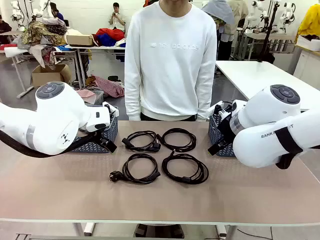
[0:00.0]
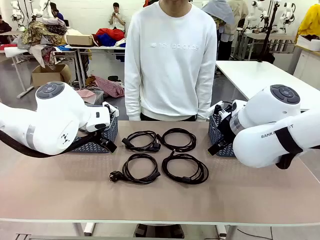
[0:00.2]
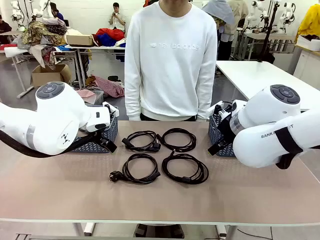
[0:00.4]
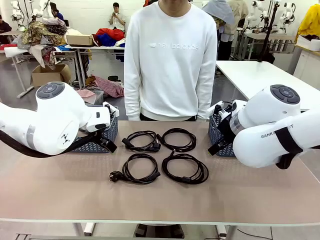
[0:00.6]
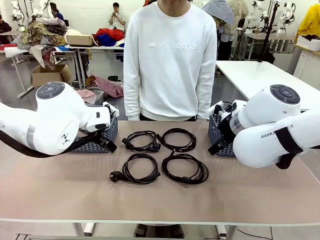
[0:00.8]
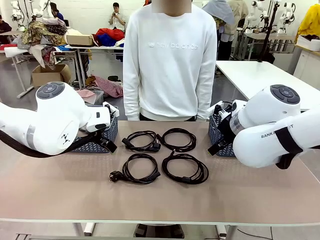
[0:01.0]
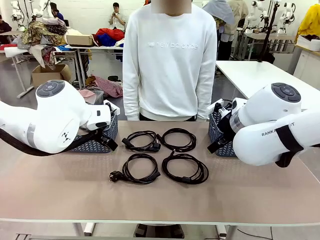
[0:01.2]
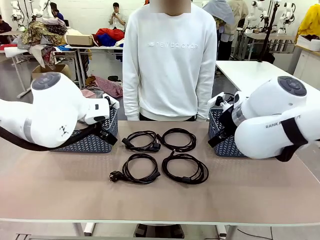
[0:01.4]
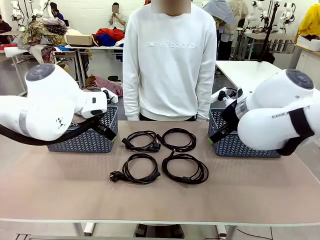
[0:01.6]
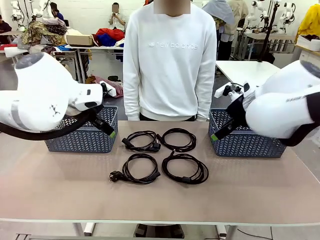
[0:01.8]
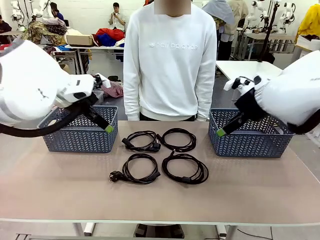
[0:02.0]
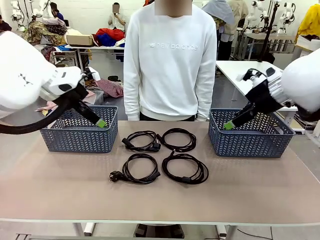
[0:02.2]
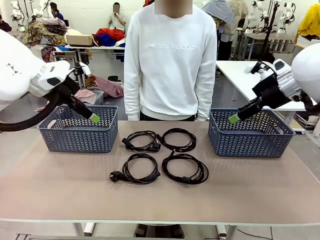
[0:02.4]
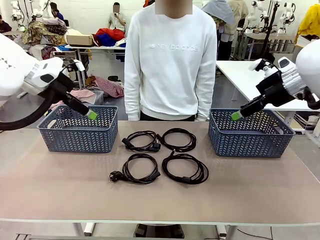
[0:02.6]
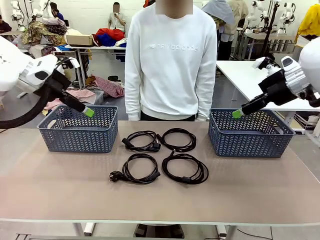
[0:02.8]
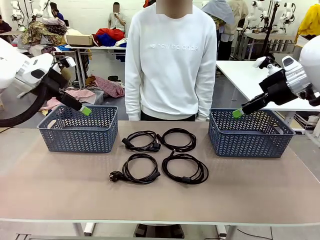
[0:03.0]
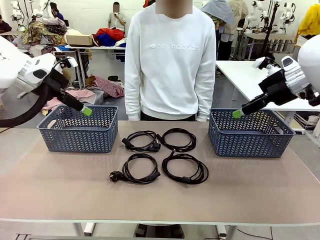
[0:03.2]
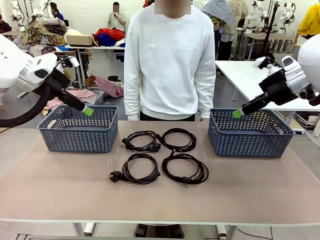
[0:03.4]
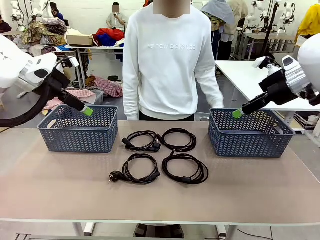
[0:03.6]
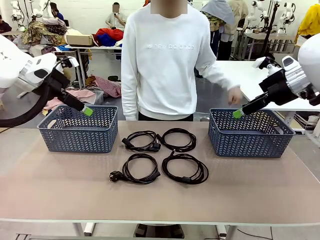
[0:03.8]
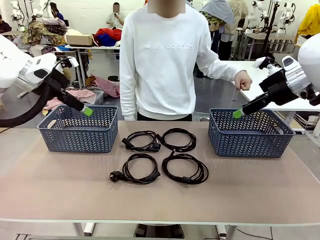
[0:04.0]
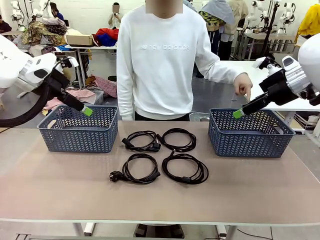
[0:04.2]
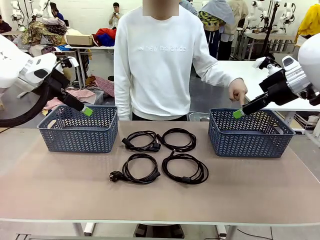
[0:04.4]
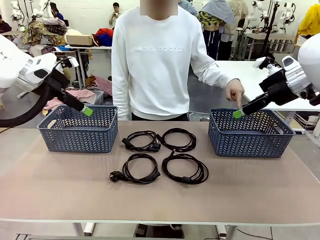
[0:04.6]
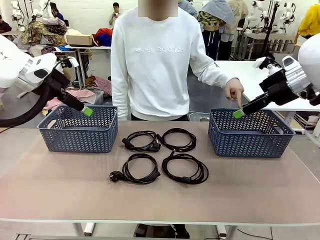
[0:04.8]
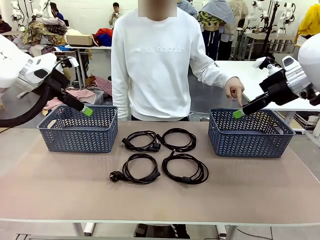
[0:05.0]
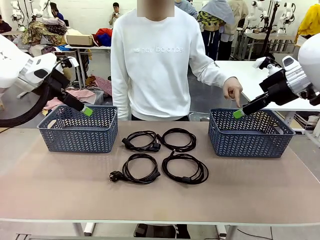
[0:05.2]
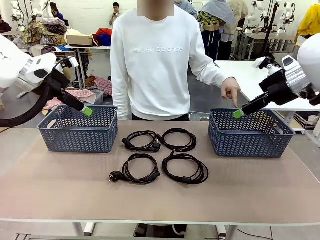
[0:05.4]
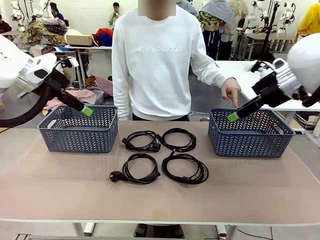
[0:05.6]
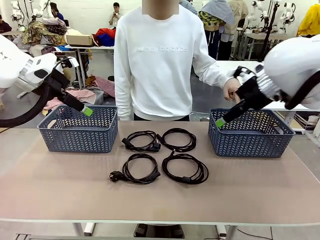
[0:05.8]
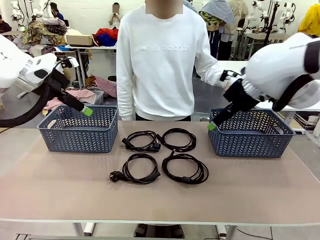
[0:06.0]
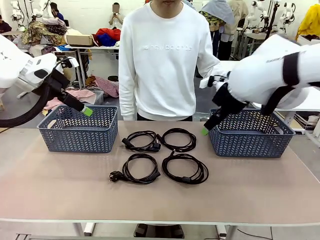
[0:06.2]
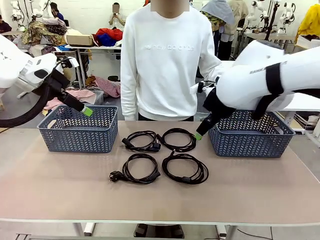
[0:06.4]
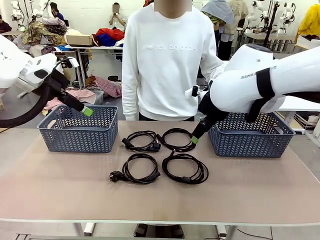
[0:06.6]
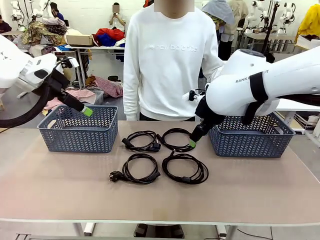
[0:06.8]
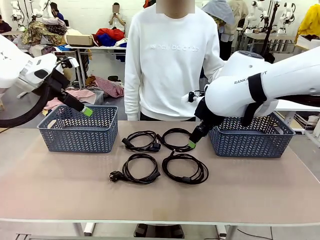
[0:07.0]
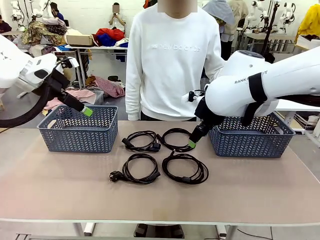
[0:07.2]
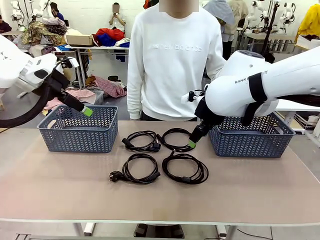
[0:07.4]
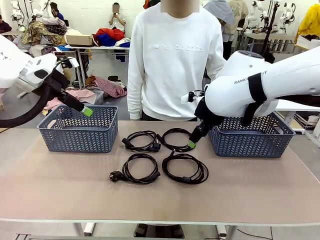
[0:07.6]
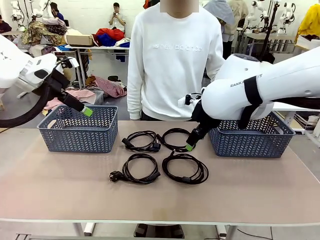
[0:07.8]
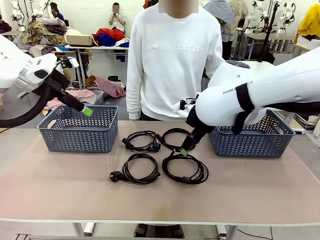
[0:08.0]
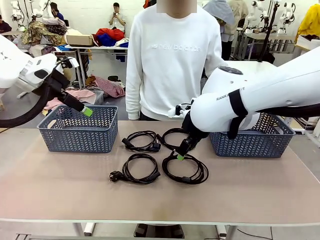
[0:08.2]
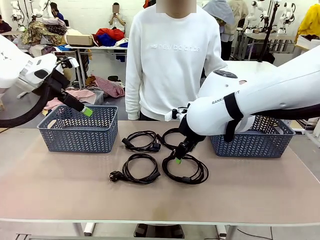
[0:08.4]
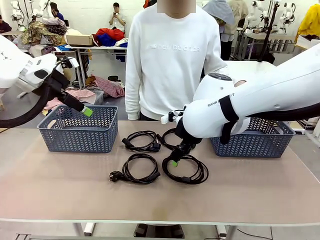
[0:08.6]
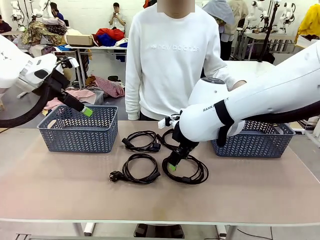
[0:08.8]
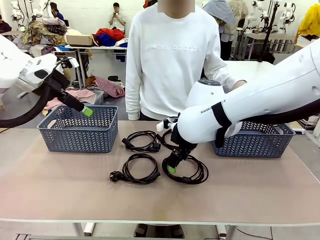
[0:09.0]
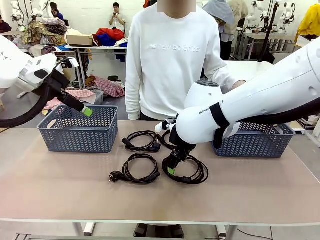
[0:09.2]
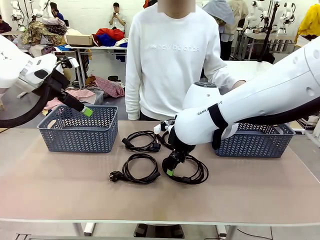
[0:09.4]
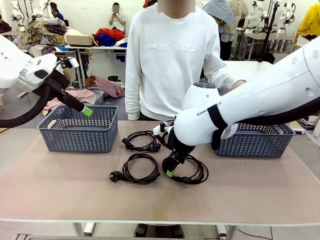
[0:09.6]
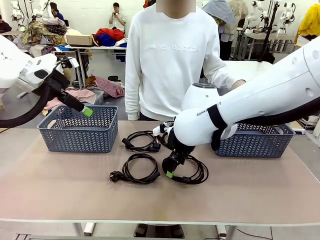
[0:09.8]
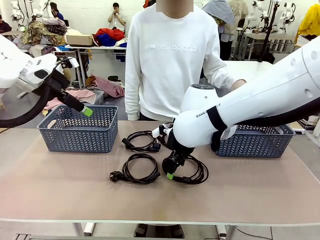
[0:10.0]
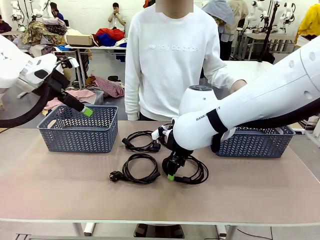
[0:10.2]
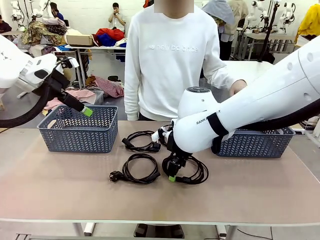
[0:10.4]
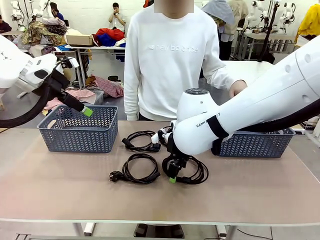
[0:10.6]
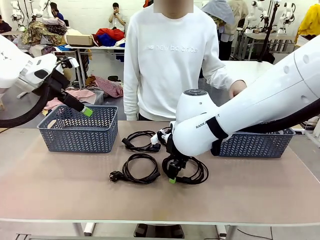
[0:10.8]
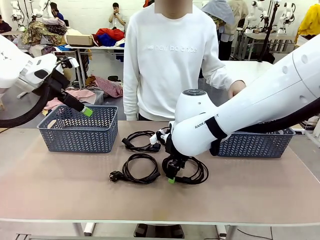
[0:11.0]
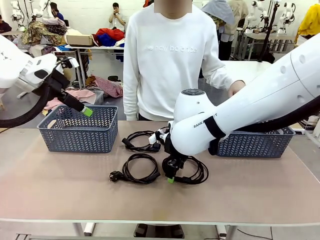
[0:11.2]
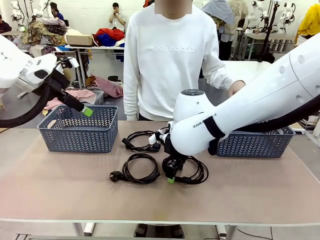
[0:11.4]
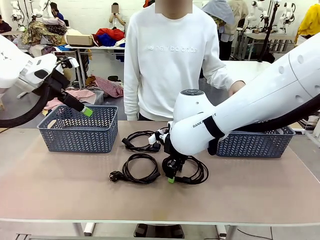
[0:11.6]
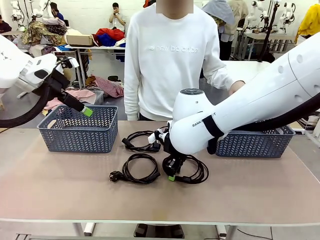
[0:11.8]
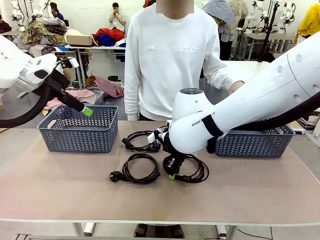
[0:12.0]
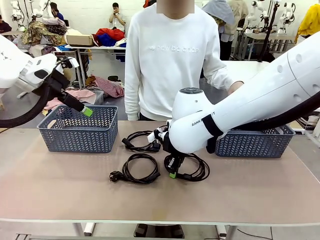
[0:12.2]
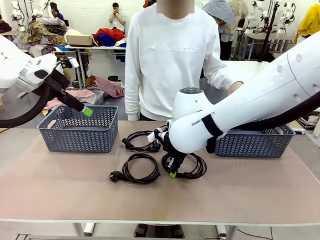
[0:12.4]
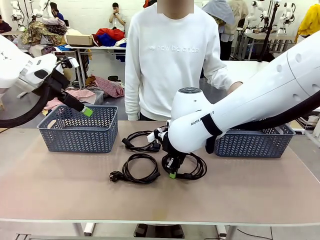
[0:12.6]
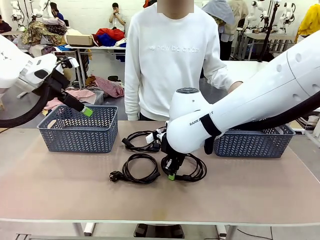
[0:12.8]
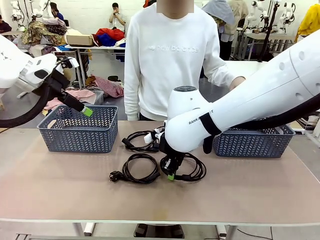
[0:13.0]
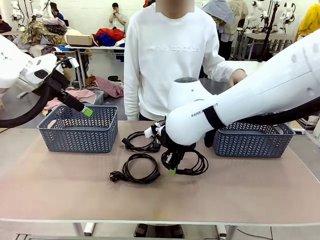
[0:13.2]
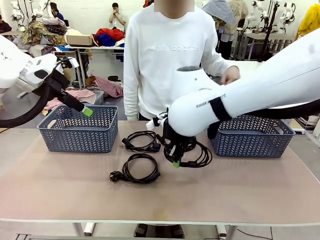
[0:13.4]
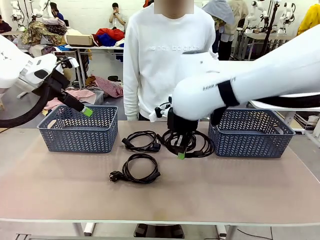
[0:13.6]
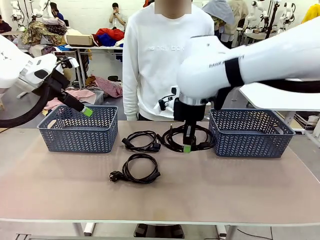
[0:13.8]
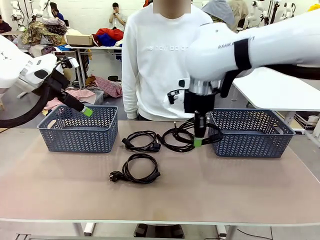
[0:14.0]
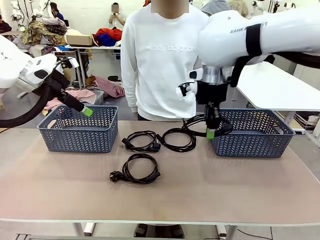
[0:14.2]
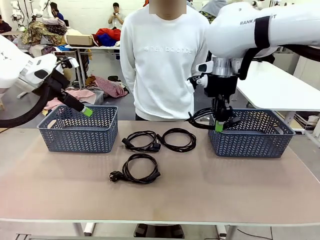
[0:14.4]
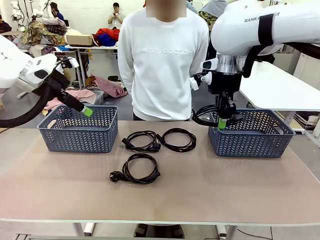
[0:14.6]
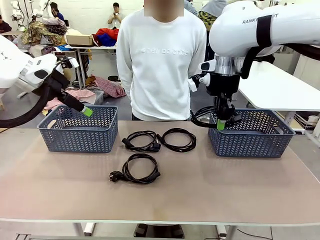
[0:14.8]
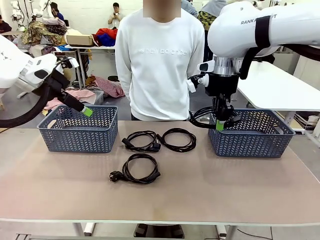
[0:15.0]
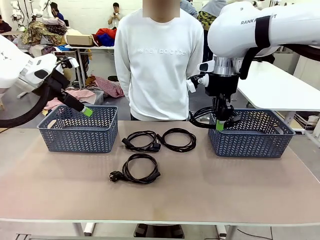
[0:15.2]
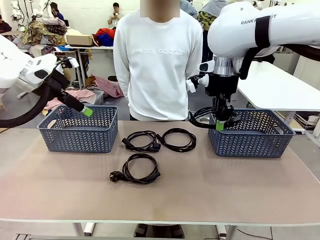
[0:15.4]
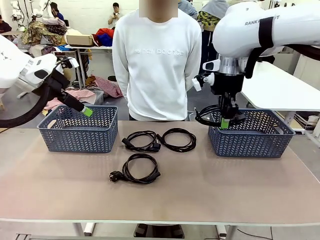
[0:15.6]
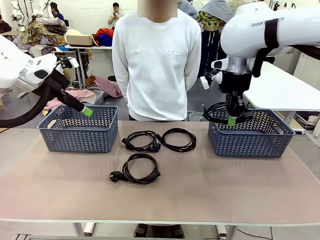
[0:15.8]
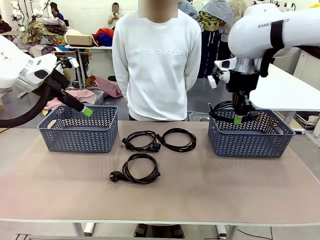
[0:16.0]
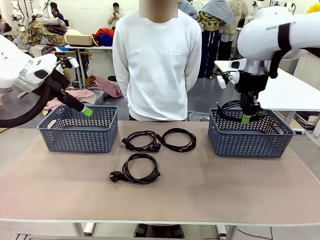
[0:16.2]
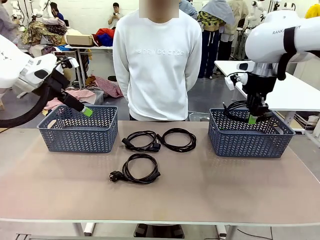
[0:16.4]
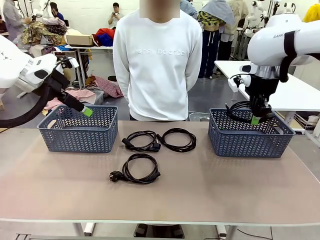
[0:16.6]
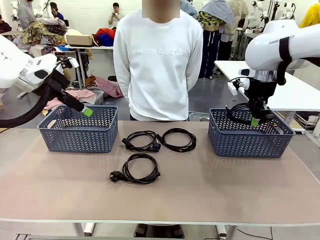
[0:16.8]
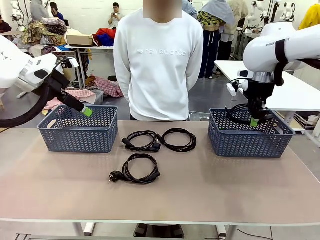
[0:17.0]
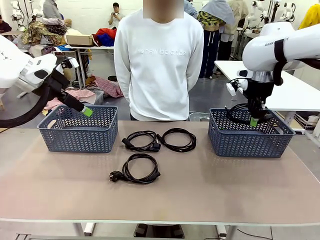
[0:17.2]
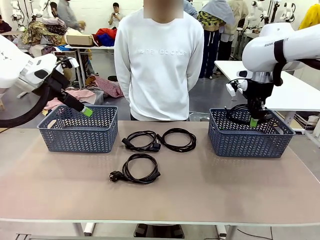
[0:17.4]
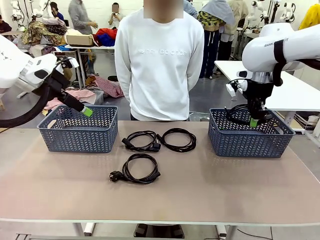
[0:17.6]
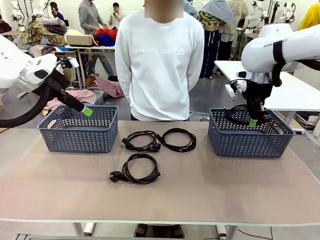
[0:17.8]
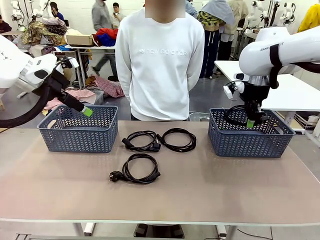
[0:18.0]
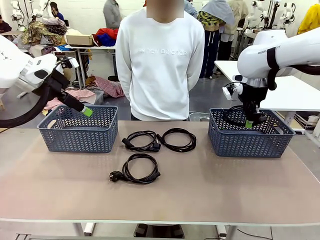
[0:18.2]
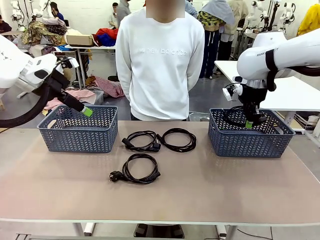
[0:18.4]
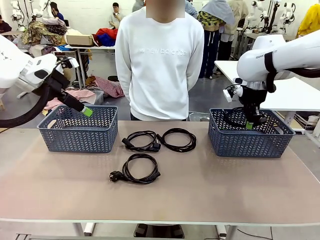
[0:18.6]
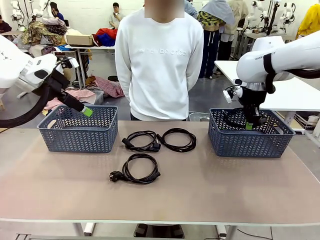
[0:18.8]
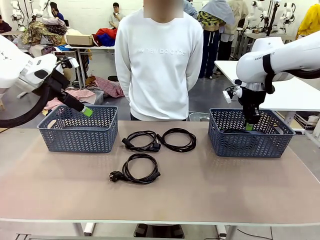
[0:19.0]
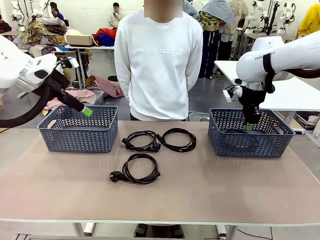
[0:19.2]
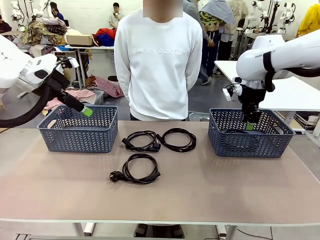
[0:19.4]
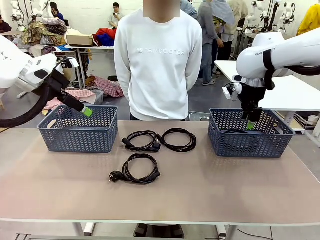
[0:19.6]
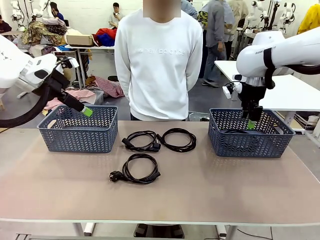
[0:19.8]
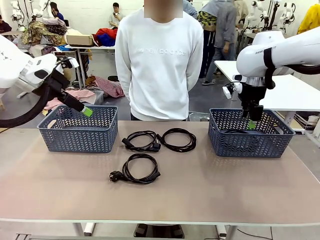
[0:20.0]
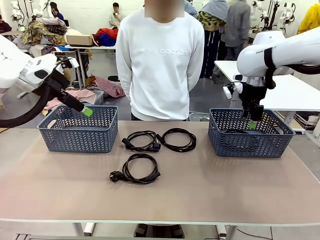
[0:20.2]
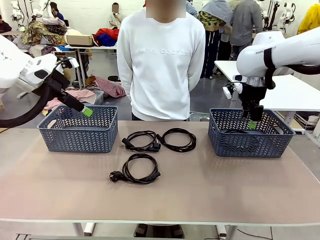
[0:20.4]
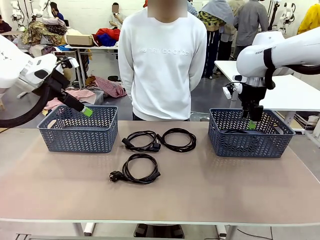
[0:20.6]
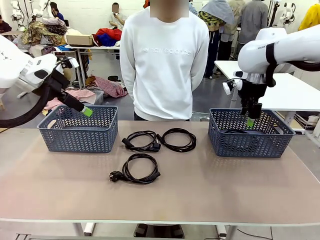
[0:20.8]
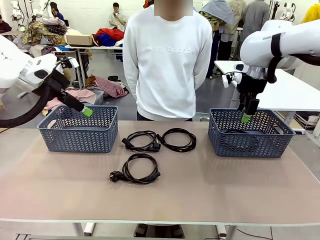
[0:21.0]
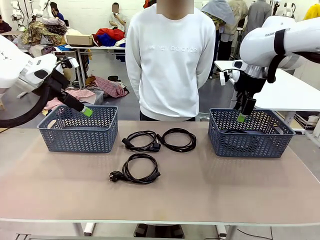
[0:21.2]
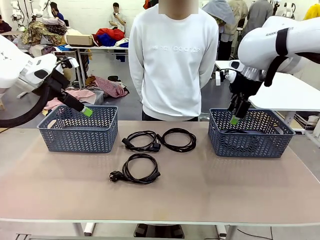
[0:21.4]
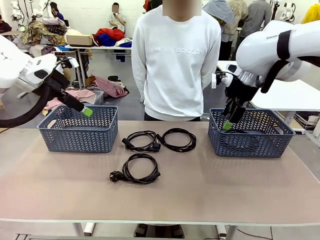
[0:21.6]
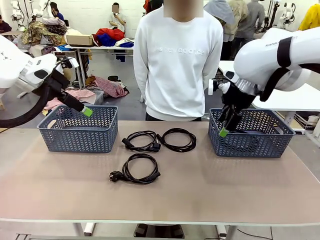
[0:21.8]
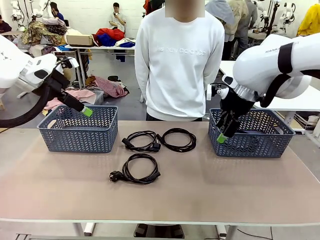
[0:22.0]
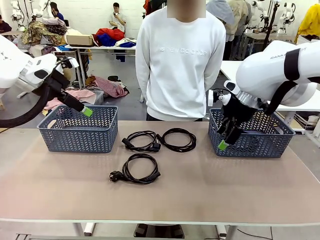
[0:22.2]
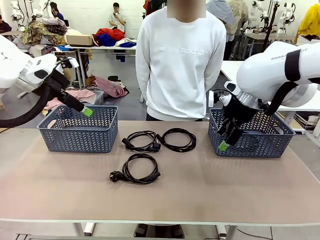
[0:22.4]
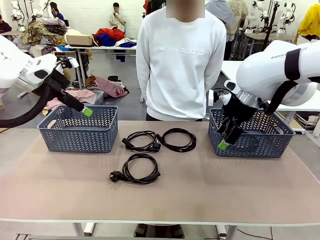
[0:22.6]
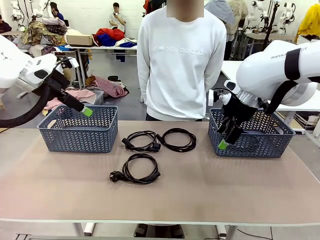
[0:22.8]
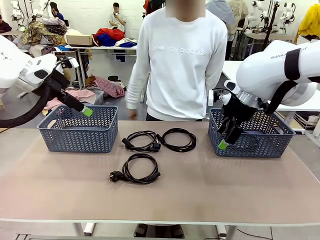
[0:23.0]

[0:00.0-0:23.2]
Task: Organize the cables according to human instructions.
Robot: Pick up a bundle of cables and place it in the basket indicated by the human.
